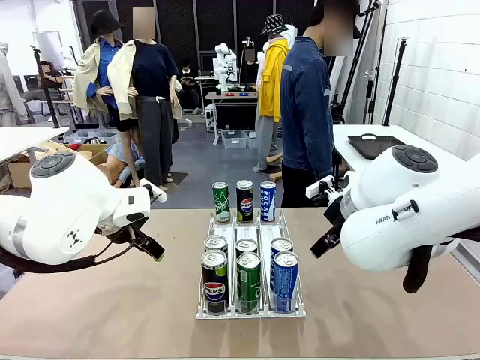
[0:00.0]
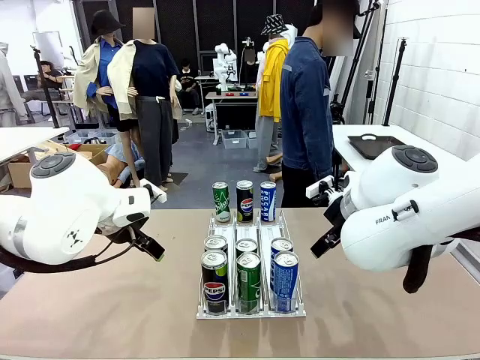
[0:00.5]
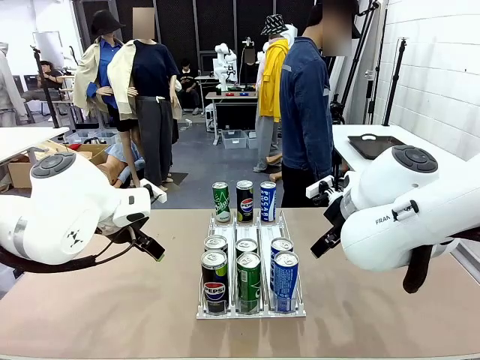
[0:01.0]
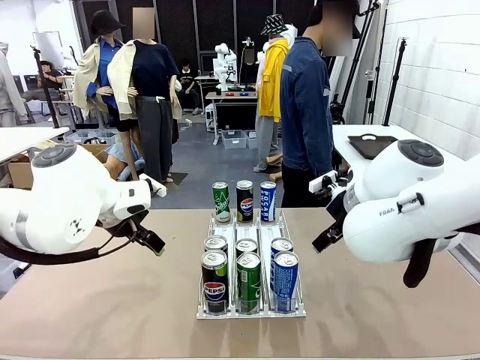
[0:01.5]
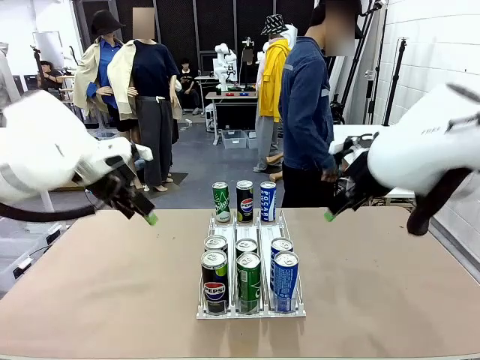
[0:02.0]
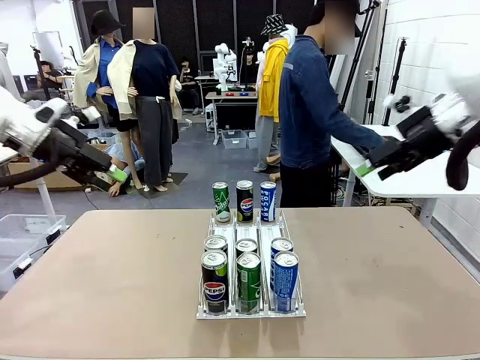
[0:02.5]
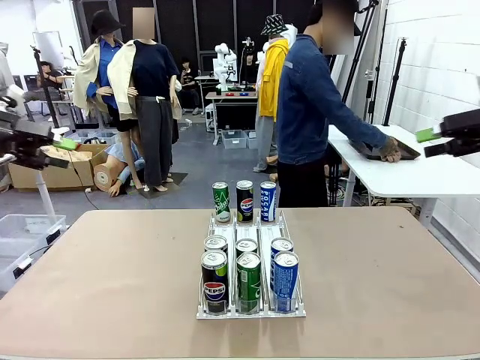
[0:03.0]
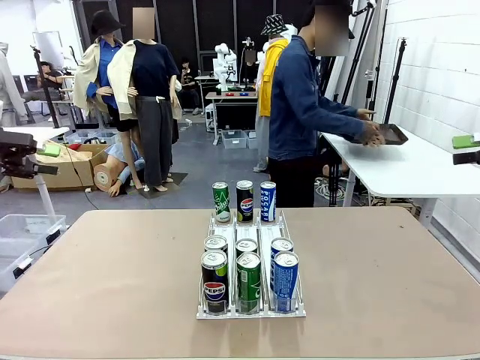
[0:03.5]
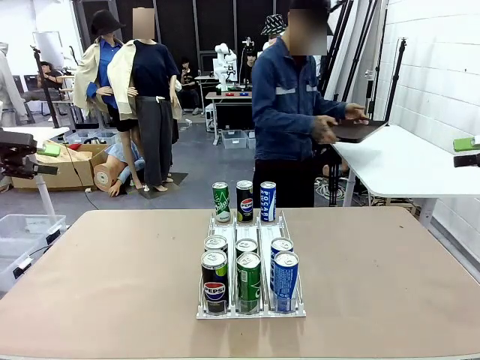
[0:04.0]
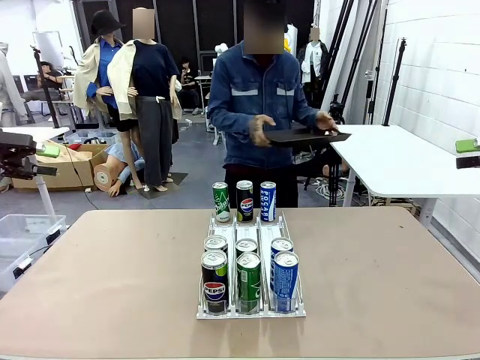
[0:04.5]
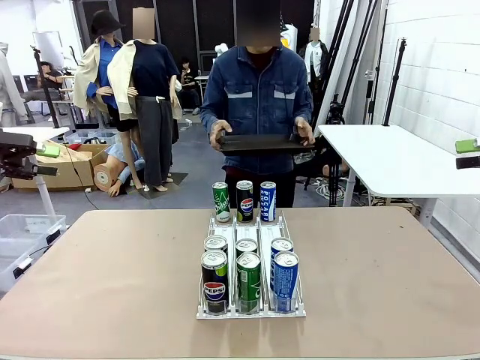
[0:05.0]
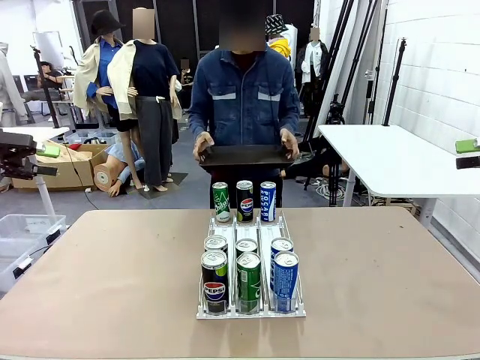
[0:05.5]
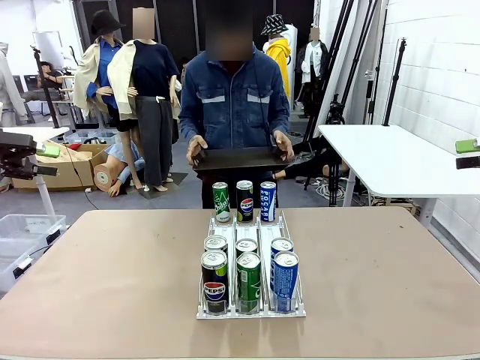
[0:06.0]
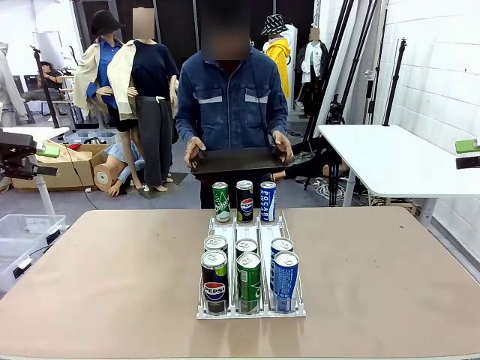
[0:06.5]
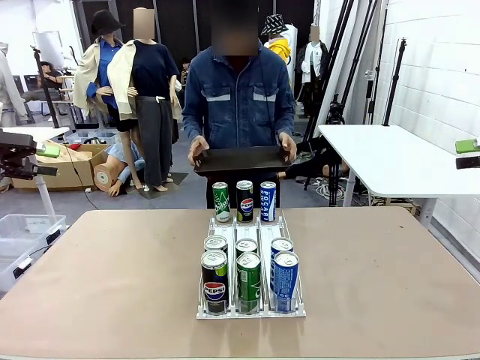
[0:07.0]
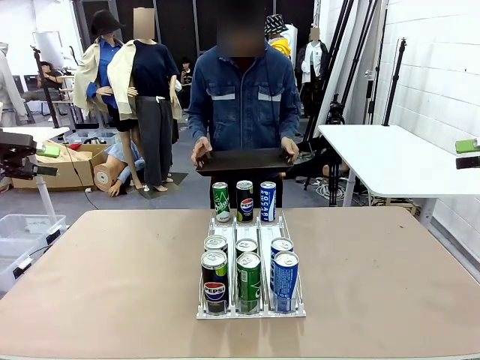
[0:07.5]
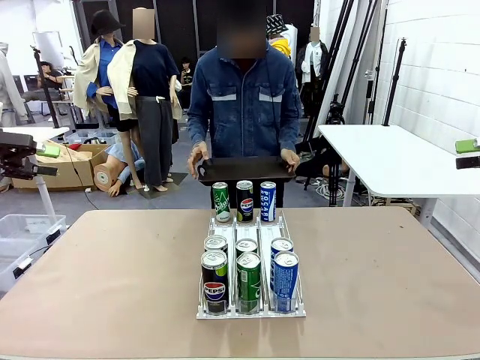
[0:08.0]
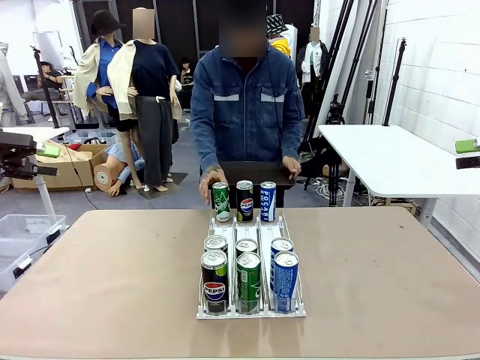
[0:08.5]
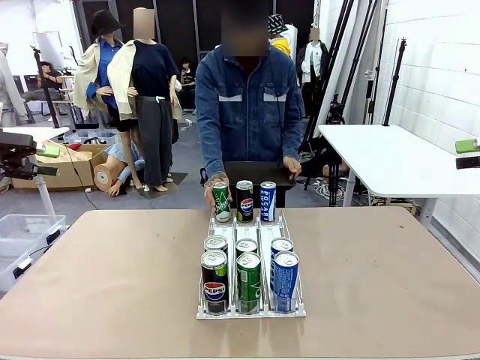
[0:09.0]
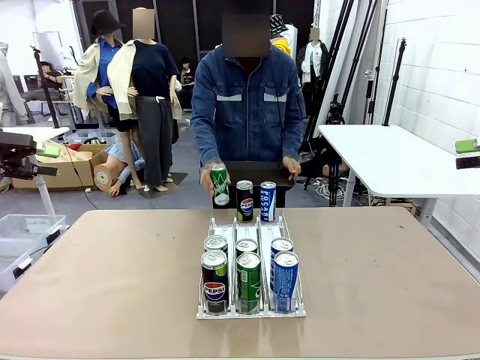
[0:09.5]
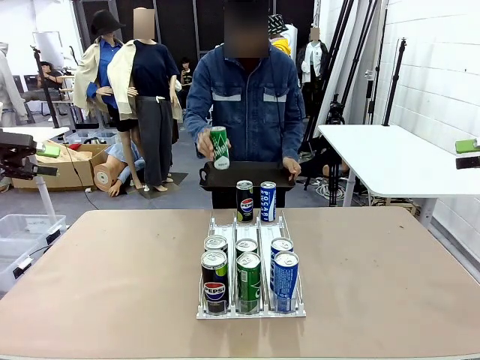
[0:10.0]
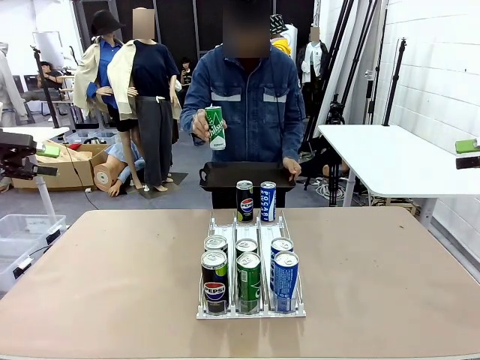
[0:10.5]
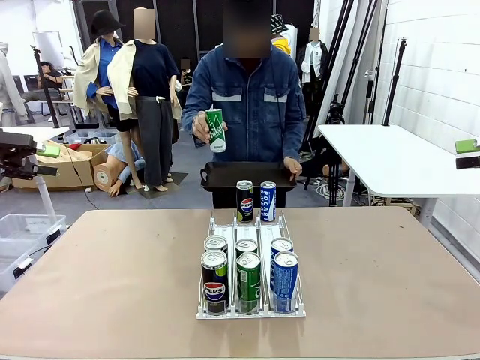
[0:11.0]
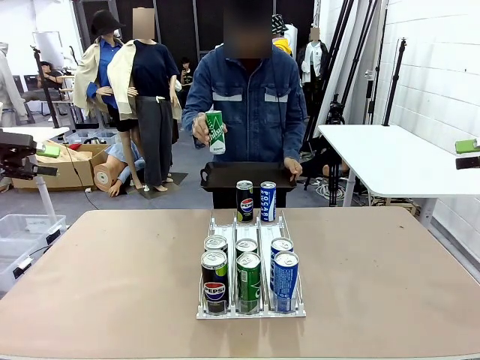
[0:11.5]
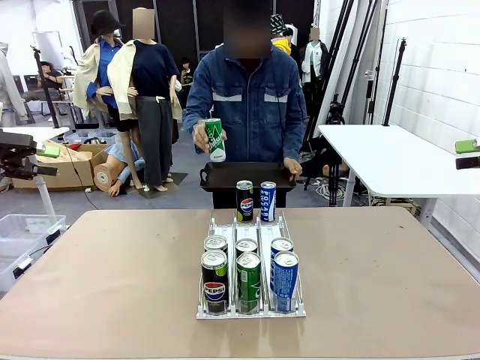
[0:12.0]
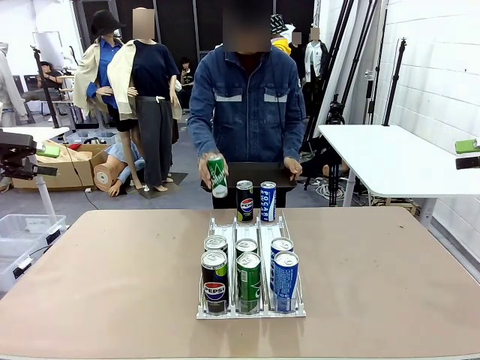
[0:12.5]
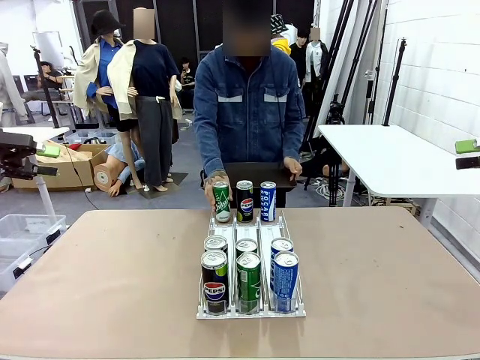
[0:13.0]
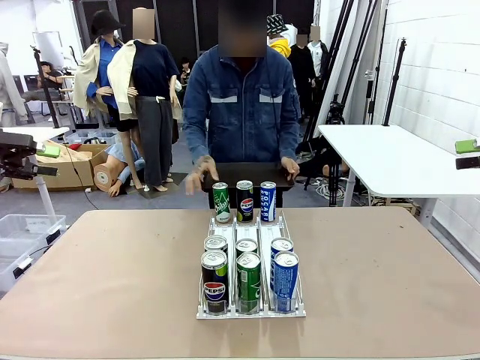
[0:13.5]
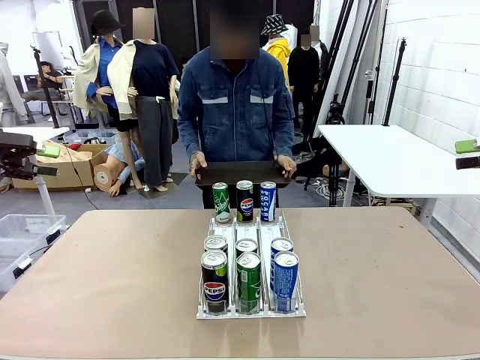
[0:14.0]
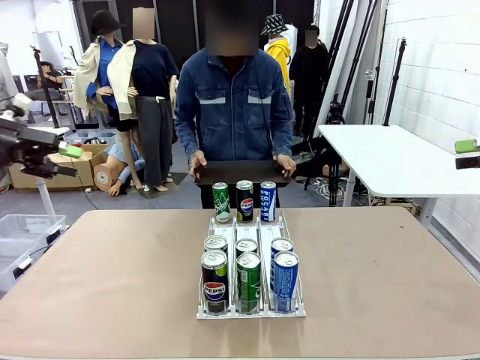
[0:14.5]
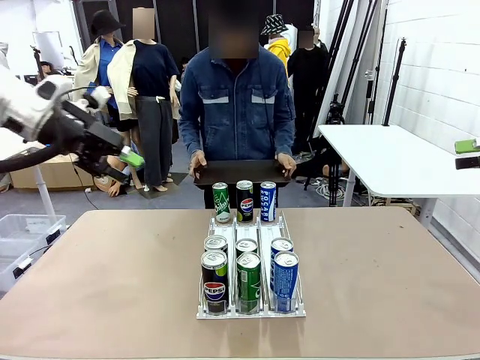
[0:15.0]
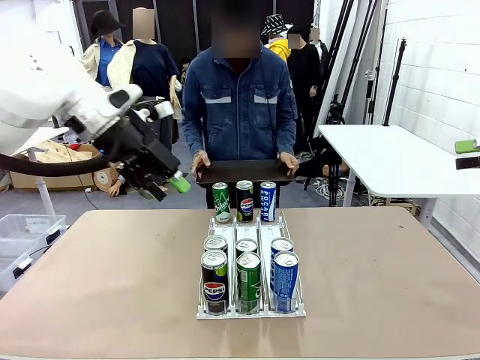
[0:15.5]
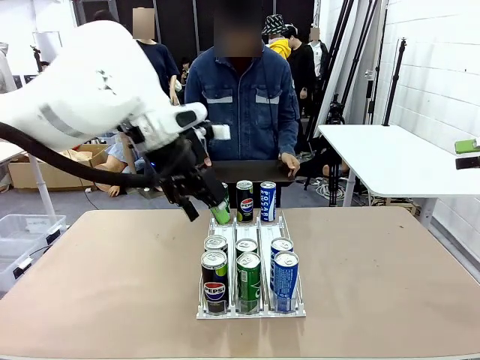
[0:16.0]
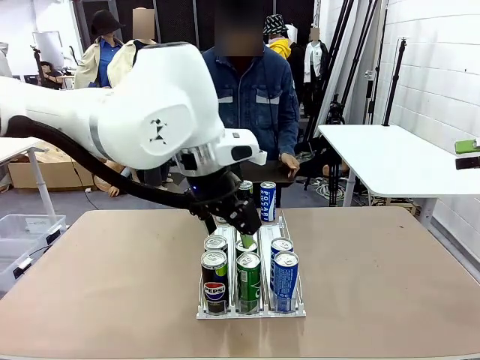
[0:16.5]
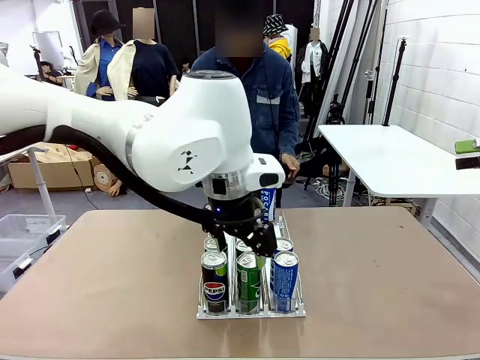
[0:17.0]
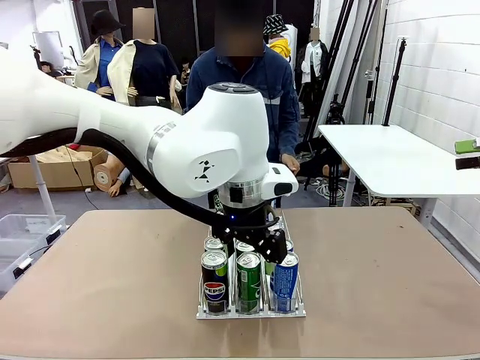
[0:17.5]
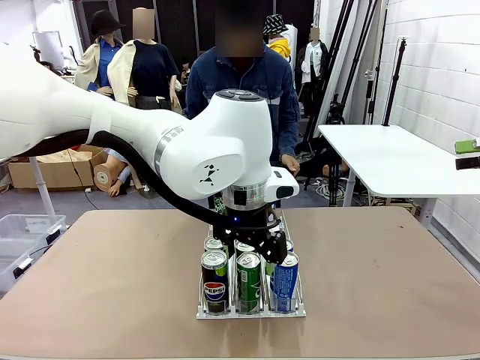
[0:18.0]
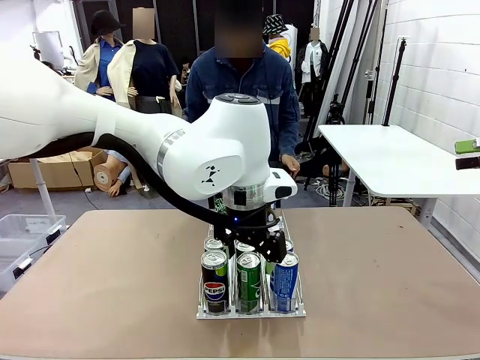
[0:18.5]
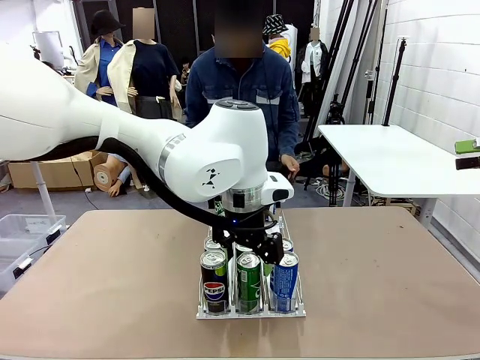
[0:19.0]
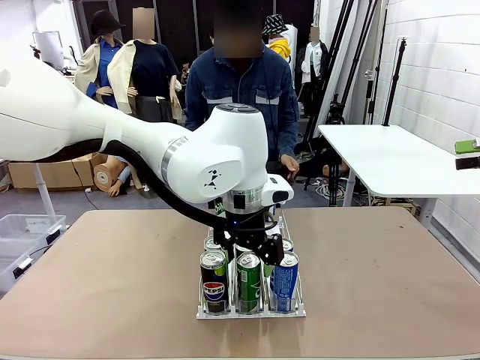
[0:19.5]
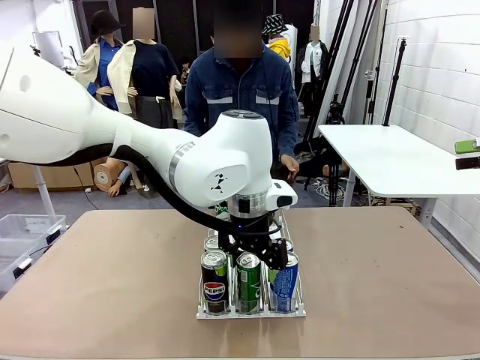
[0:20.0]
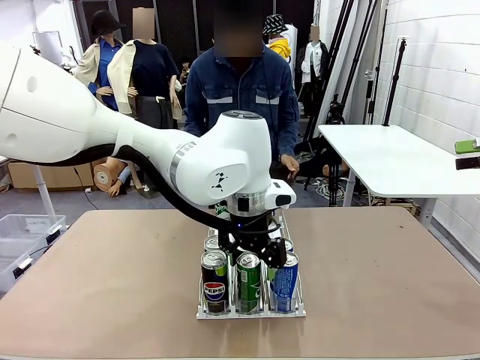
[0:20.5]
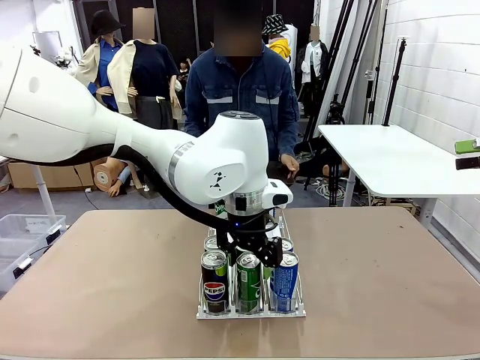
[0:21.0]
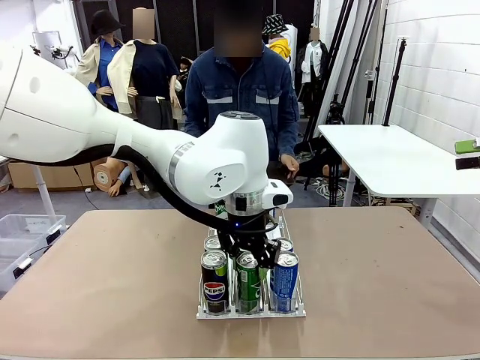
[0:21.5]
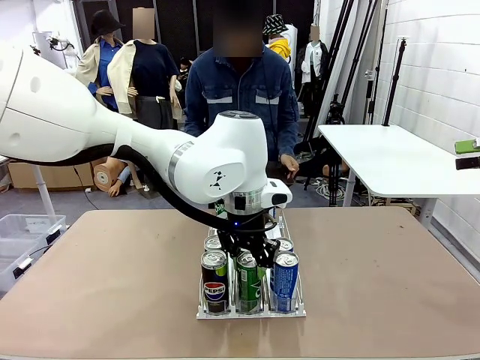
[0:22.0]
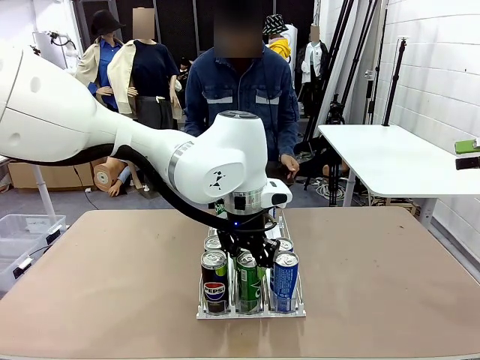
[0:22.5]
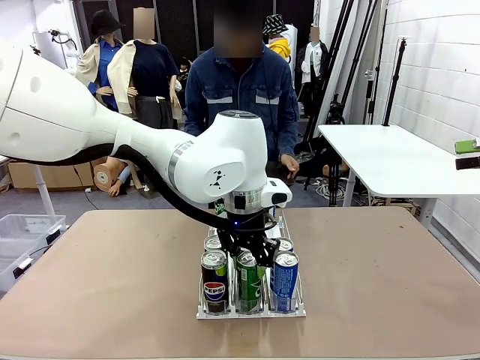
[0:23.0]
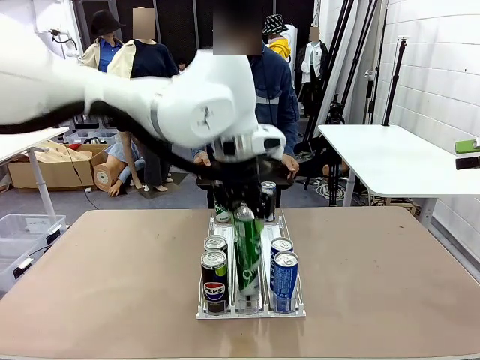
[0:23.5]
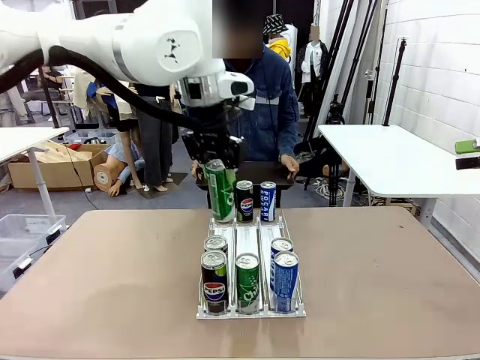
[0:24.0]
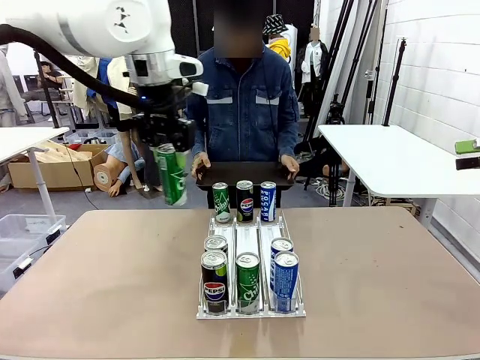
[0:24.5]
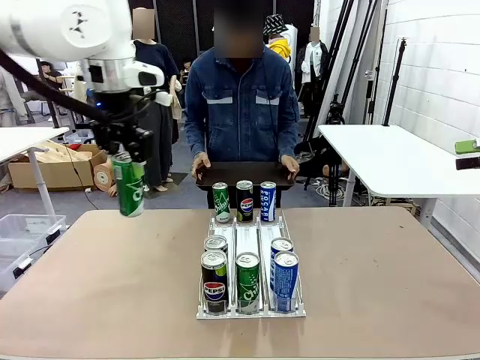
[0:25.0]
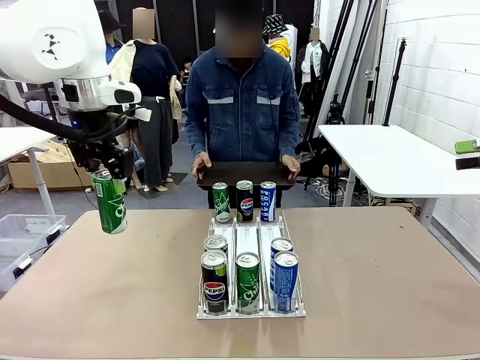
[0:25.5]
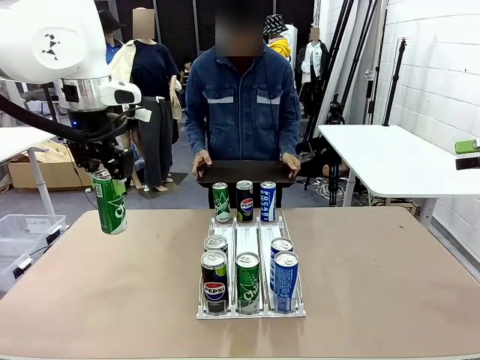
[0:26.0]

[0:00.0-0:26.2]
Task: Retrieve and hand over the desired beverage to the person.
Robot: Pick up a can of the same type that the person held from the Automatic Can Dispenser.
Person: Hold the tray and position yourself in front of the robot table. Pick up one can from the bottom area of the table and puts it back in its original place. Push the tray toward the robot.
